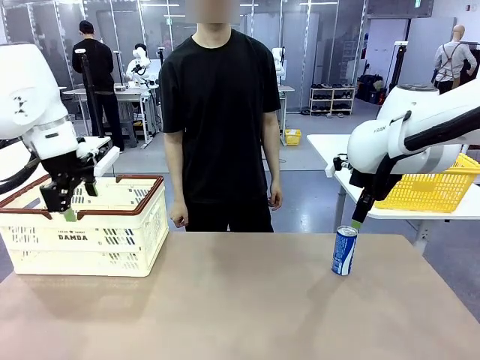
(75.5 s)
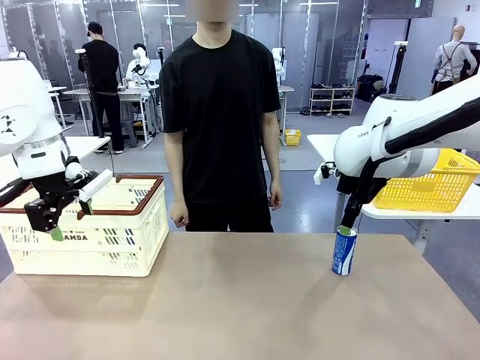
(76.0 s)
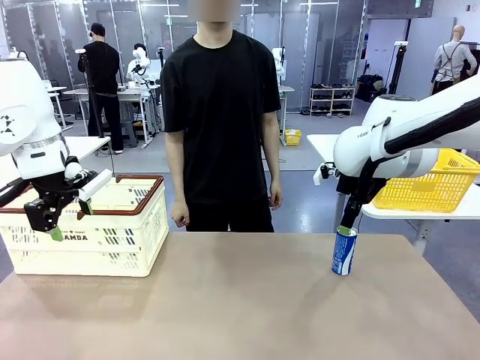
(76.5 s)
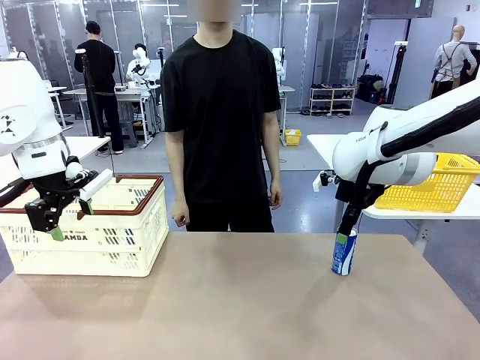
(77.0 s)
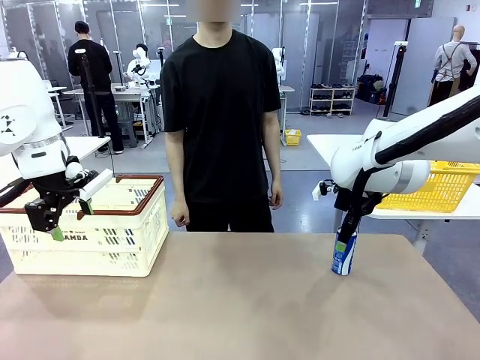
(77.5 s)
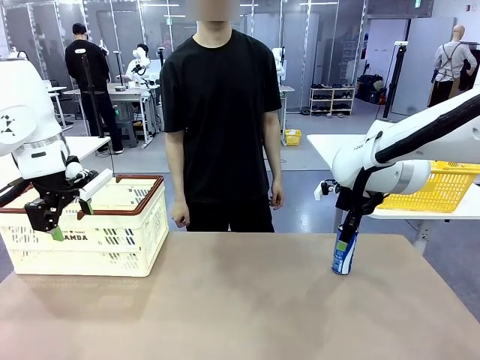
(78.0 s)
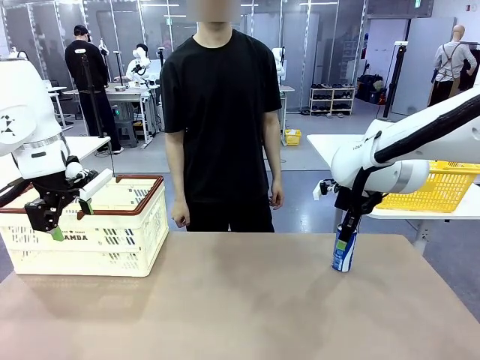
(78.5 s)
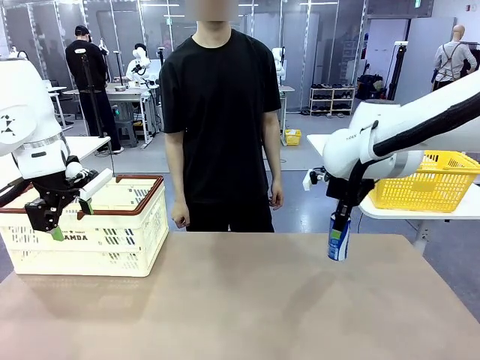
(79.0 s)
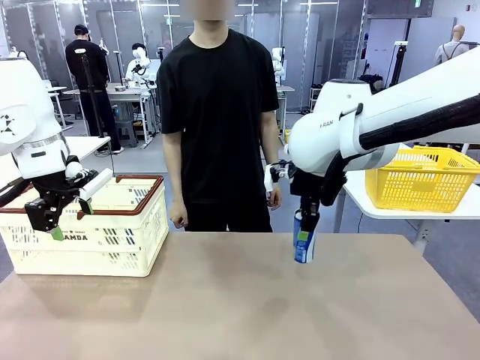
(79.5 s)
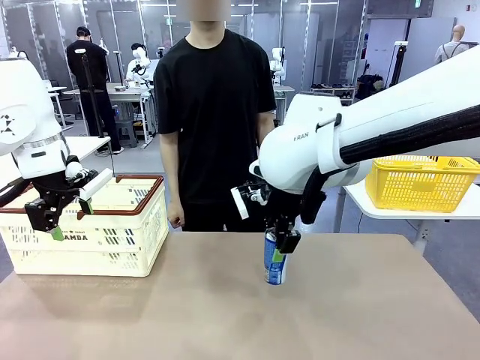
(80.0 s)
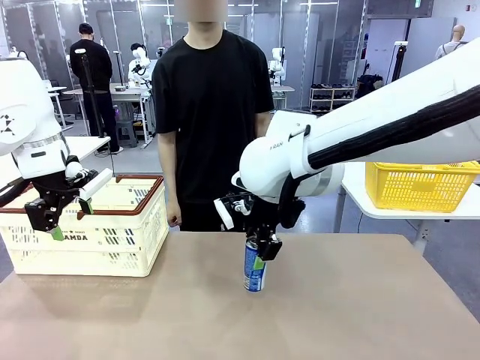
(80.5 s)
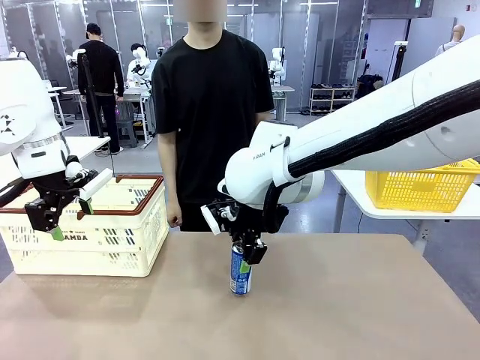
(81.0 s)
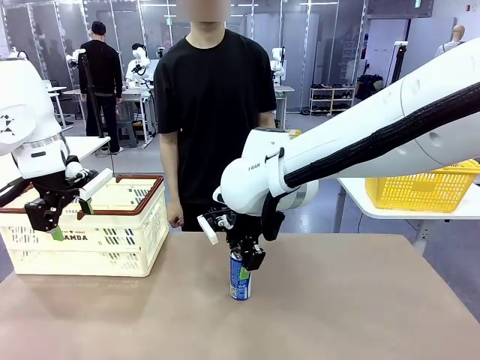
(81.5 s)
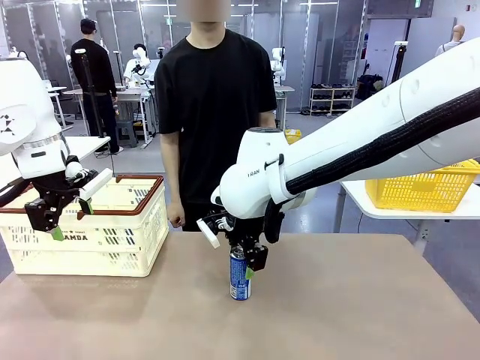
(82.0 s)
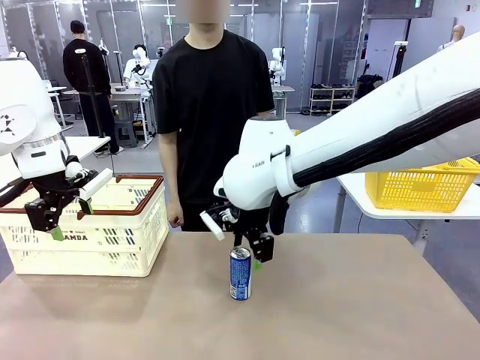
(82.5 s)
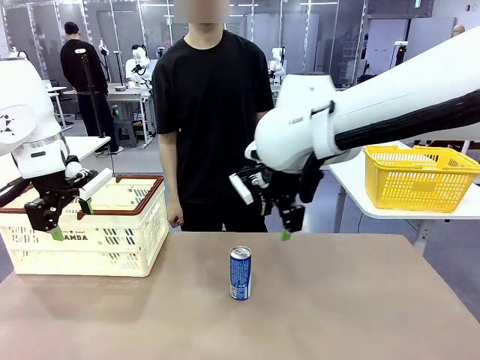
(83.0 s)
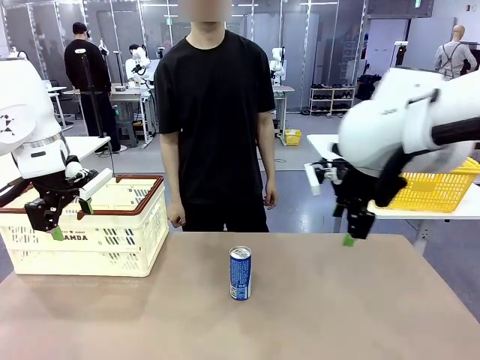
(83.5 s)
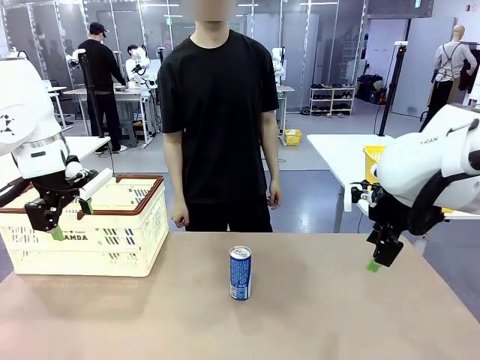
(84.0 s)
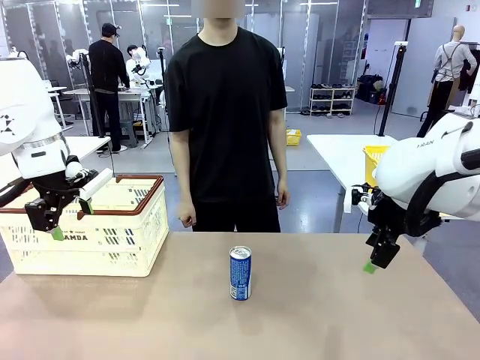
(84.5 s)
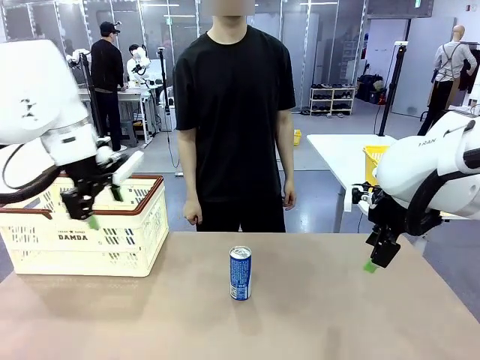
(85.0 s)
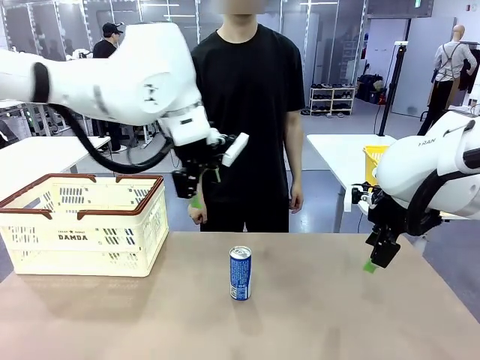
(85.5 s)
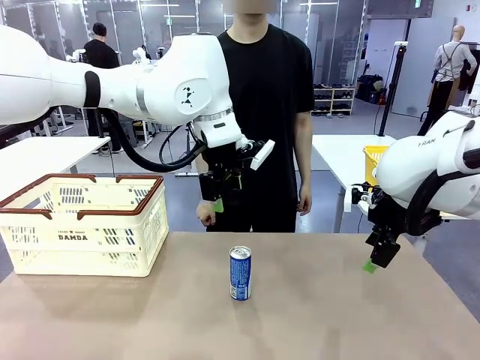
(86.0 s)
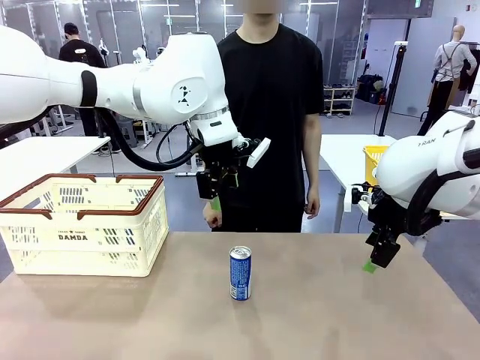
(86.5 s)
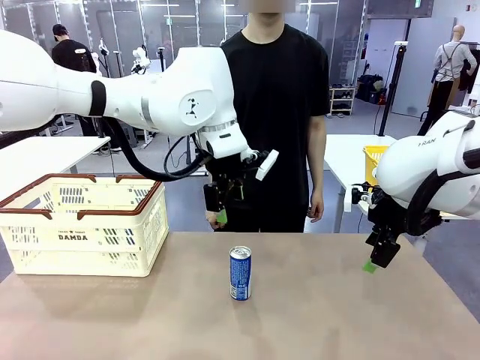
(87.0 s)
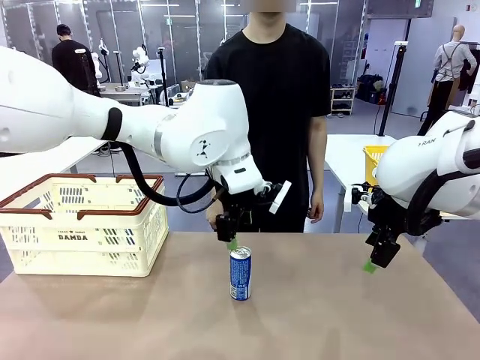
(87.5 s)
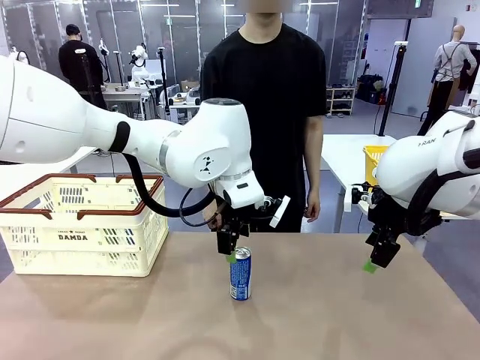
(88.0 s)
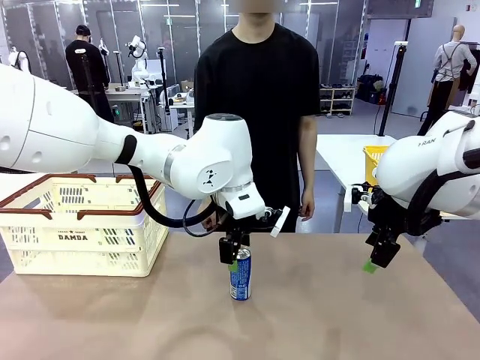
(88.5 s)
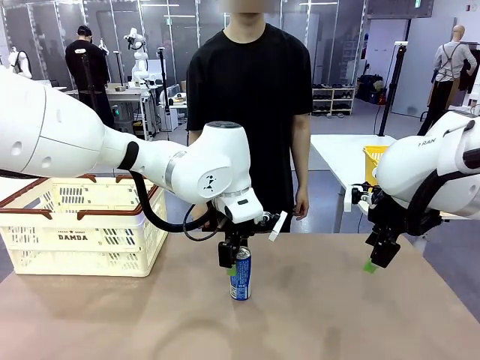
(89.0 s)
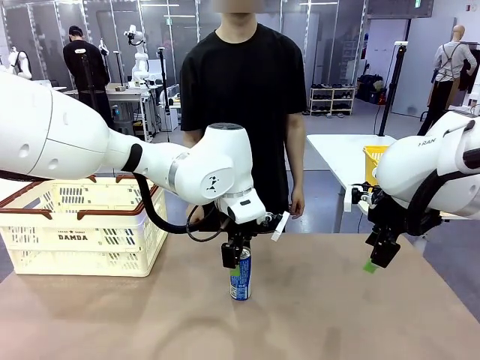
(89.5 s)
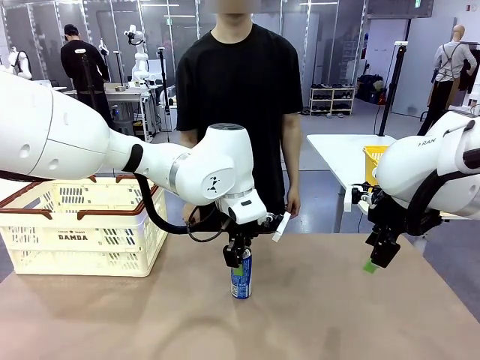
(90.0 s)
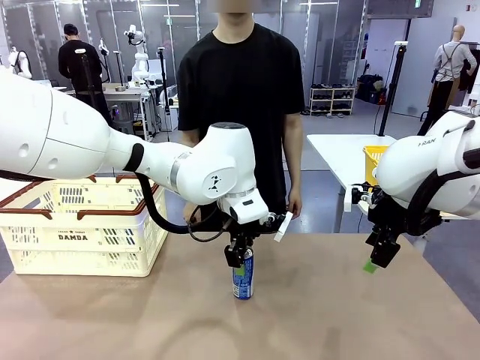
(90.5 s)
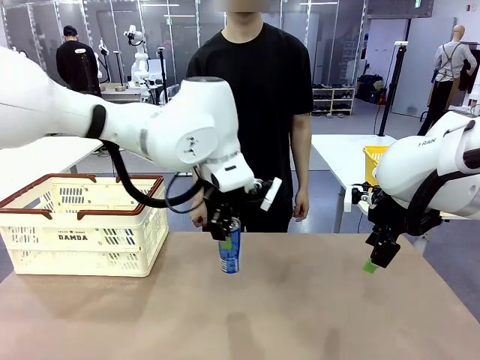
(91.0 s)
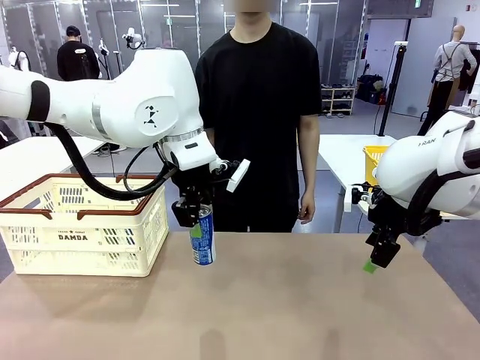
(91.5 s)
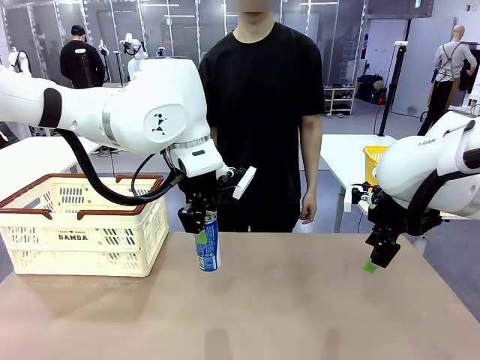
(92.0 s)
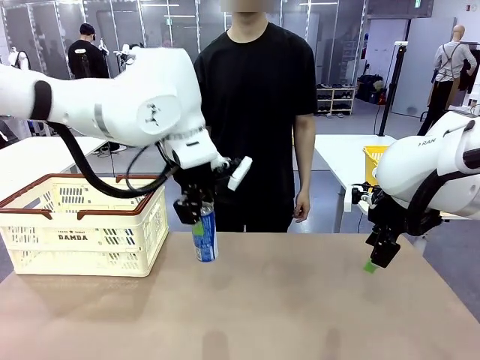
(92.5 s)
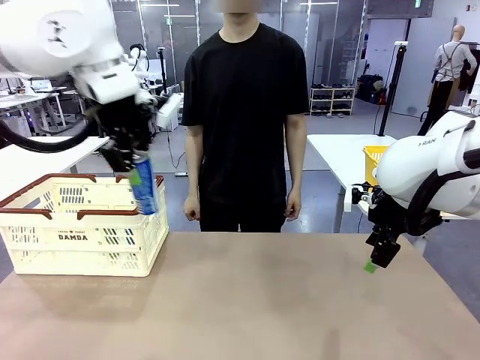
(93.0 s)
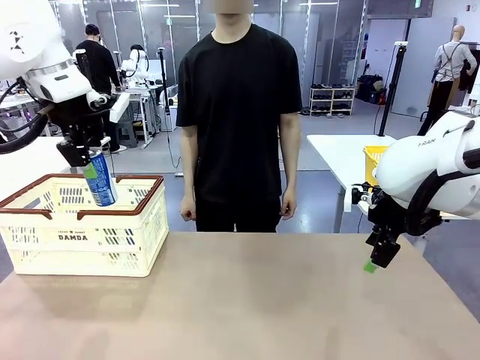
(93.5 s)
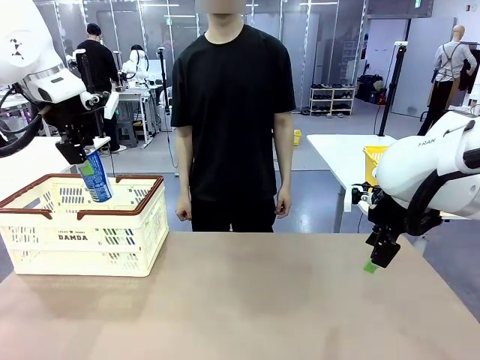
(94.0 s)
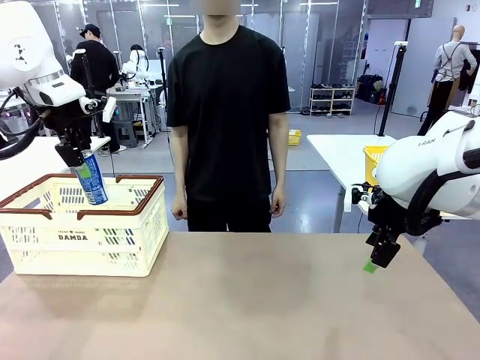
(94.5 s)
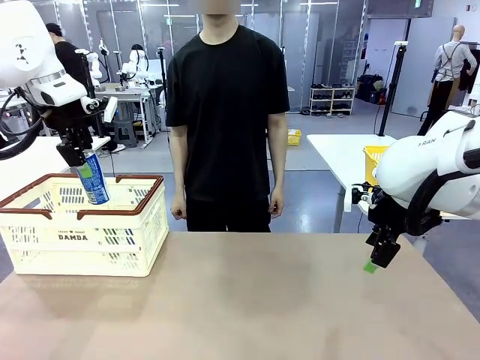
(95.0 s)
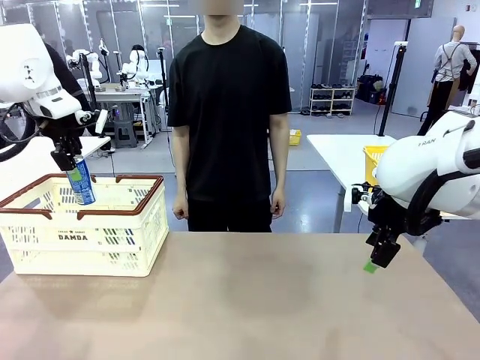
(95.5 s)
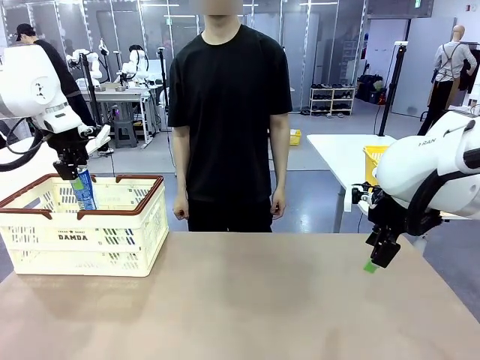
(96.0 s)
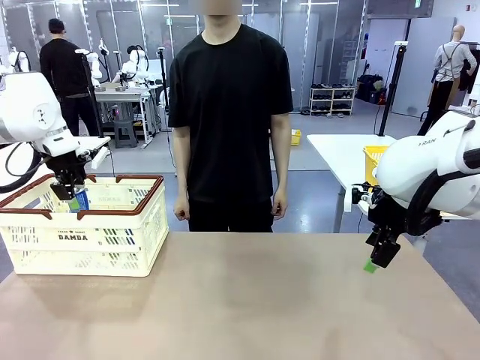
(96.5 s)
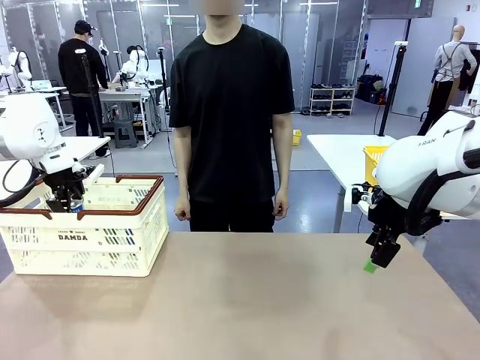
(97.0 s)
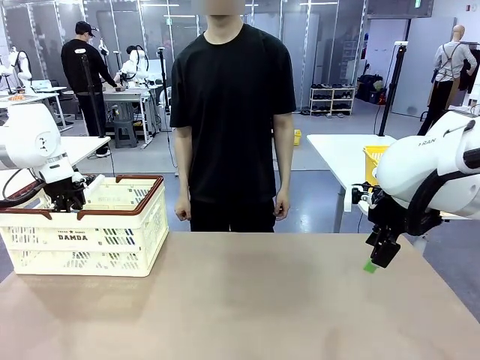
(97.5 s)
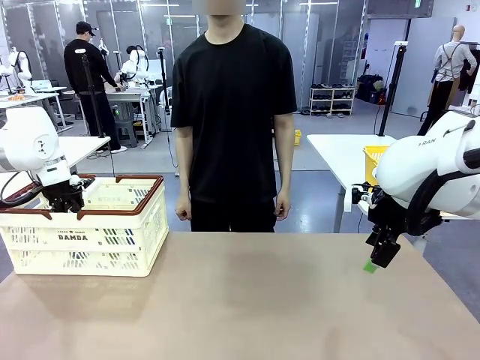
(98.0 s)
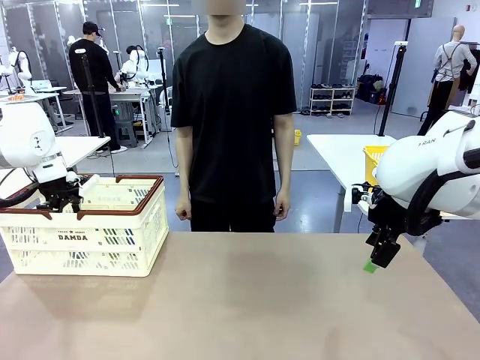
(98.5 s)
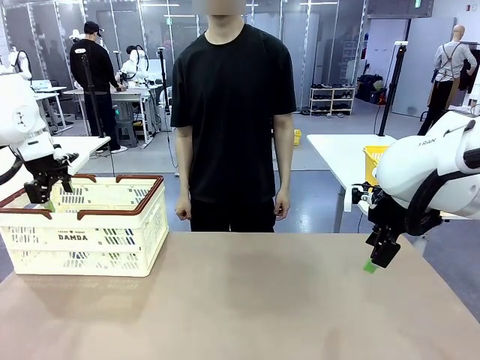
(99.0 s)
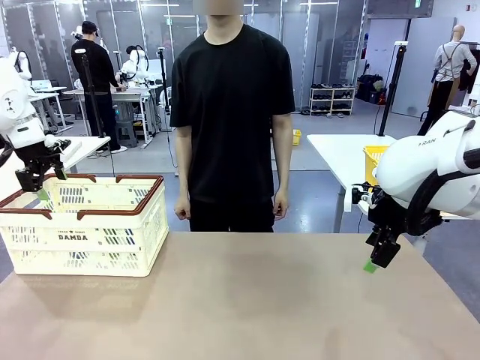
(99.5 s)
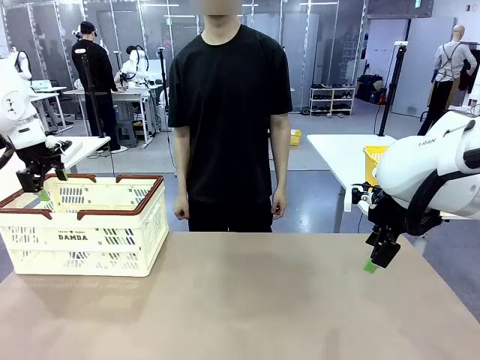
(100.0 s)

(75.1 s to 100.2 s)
Task: Place the drinks into the Shopping basket.
Robot: Pick up one drink and place it into the Shopping basket.
